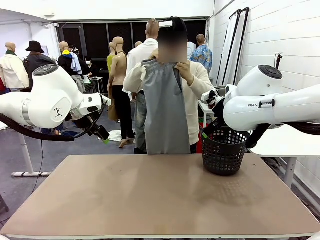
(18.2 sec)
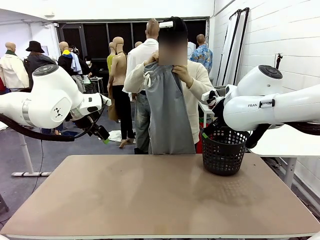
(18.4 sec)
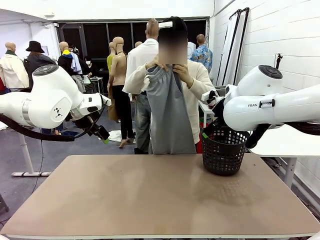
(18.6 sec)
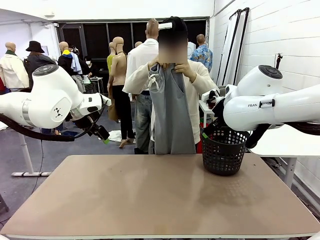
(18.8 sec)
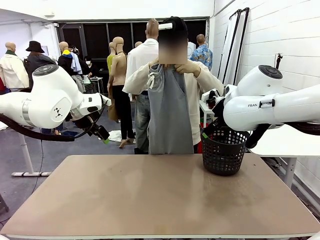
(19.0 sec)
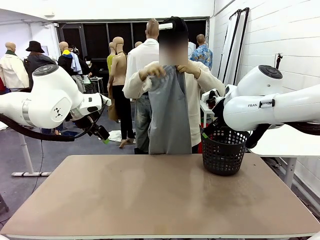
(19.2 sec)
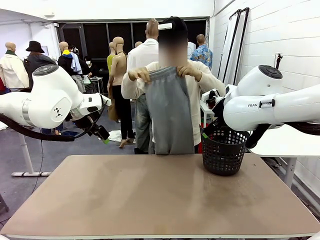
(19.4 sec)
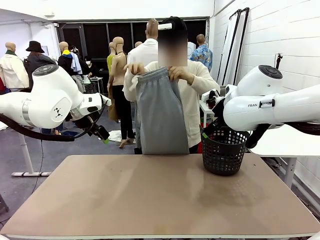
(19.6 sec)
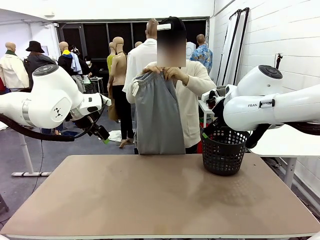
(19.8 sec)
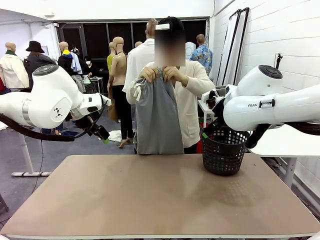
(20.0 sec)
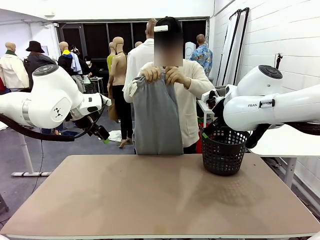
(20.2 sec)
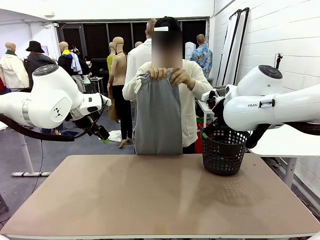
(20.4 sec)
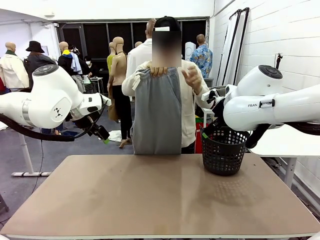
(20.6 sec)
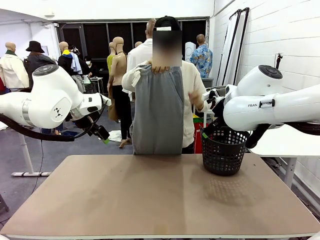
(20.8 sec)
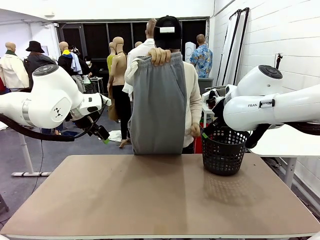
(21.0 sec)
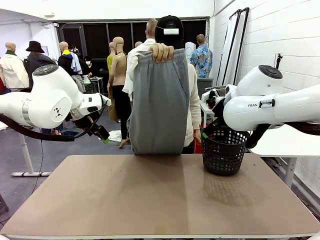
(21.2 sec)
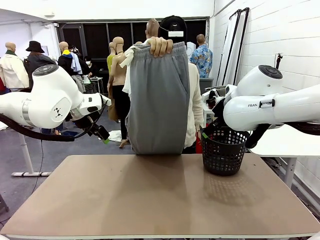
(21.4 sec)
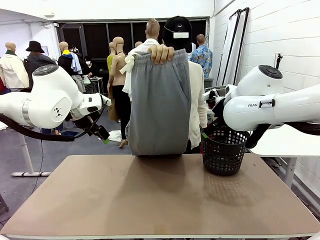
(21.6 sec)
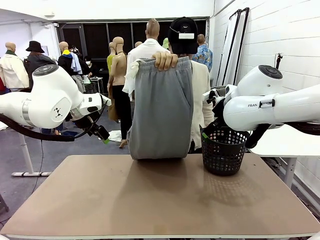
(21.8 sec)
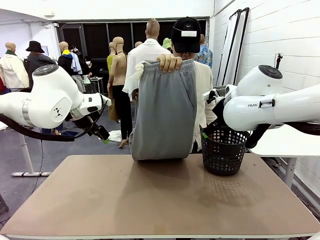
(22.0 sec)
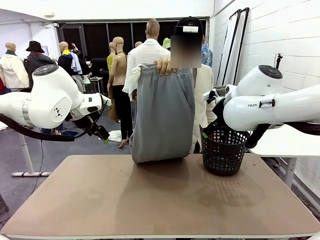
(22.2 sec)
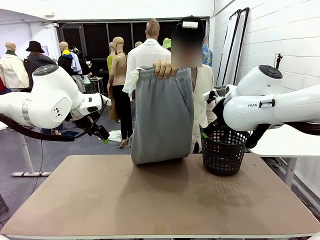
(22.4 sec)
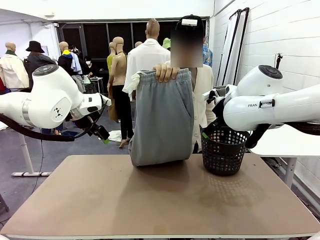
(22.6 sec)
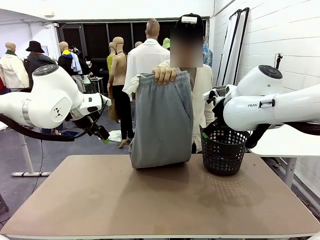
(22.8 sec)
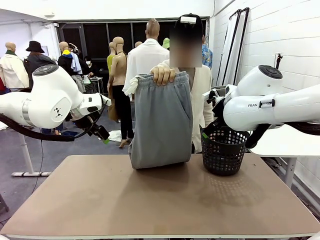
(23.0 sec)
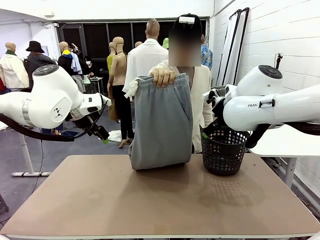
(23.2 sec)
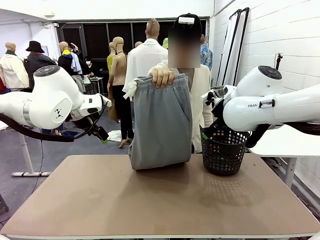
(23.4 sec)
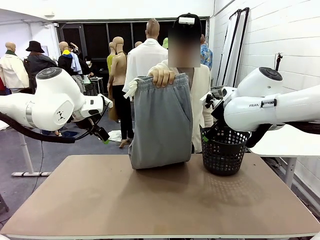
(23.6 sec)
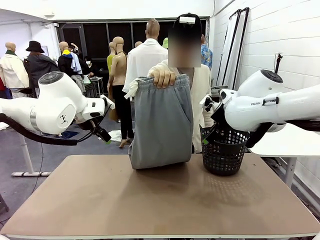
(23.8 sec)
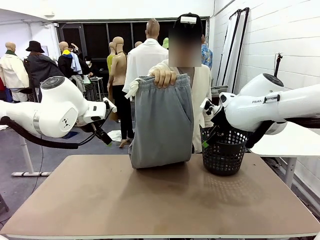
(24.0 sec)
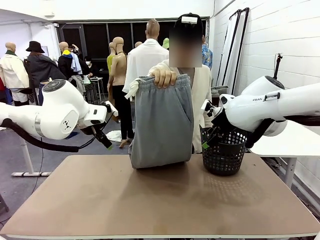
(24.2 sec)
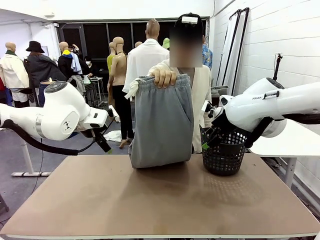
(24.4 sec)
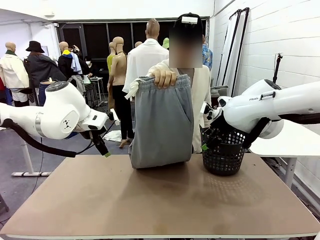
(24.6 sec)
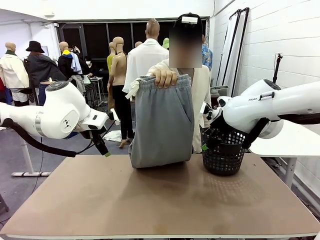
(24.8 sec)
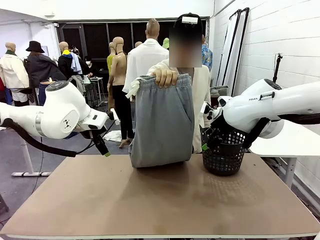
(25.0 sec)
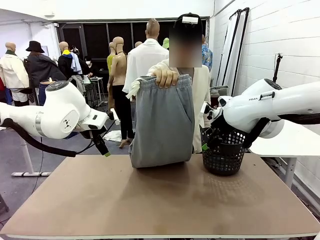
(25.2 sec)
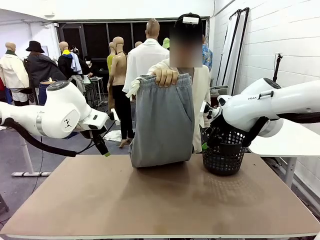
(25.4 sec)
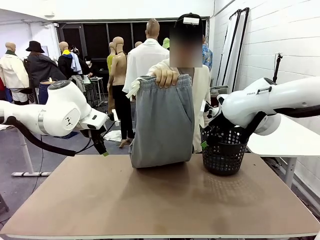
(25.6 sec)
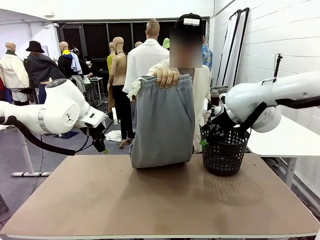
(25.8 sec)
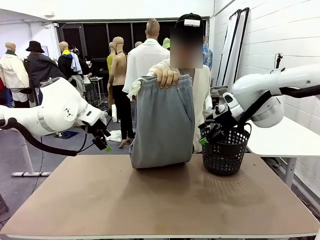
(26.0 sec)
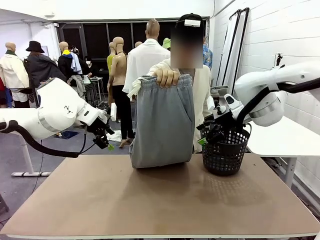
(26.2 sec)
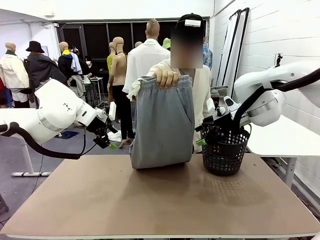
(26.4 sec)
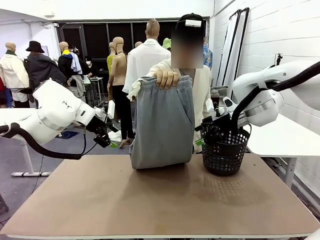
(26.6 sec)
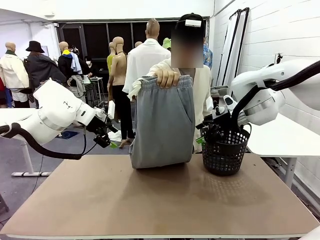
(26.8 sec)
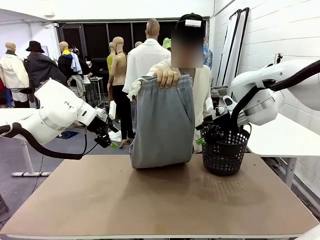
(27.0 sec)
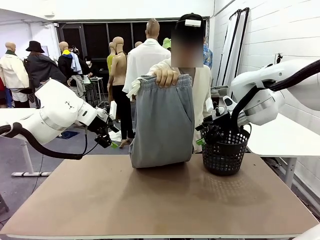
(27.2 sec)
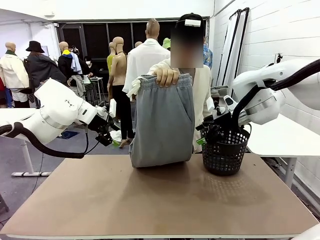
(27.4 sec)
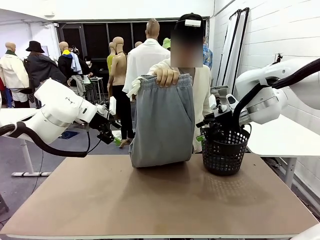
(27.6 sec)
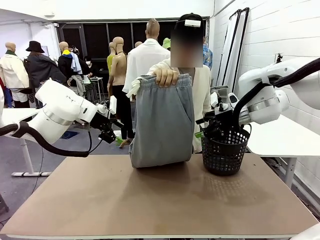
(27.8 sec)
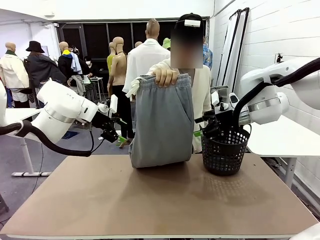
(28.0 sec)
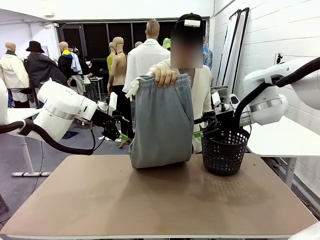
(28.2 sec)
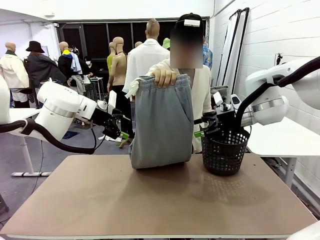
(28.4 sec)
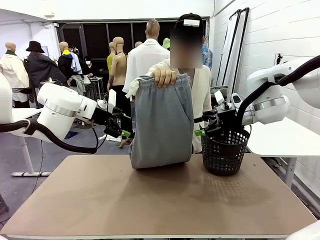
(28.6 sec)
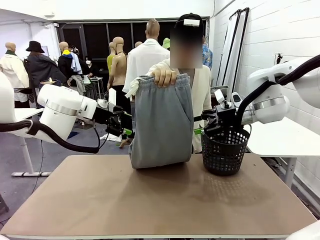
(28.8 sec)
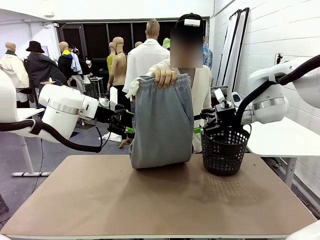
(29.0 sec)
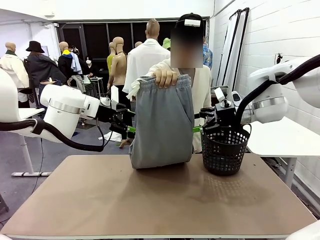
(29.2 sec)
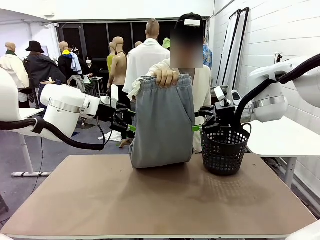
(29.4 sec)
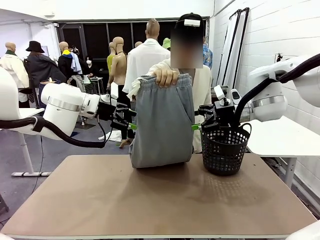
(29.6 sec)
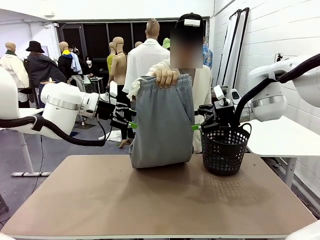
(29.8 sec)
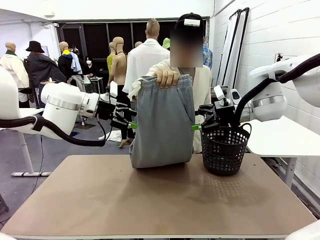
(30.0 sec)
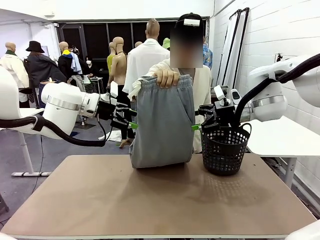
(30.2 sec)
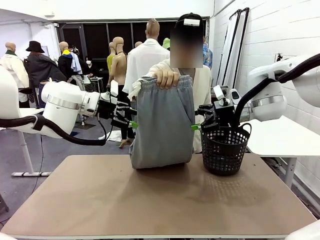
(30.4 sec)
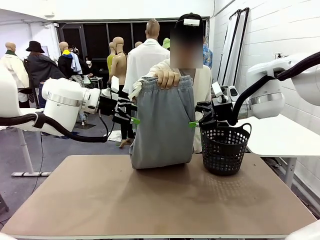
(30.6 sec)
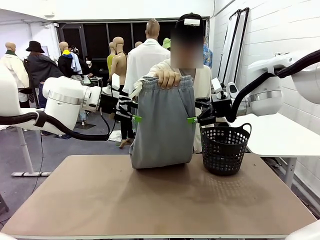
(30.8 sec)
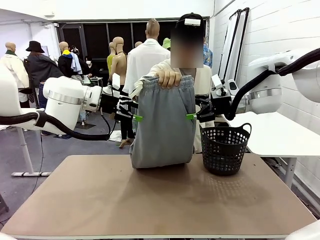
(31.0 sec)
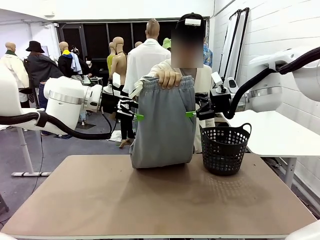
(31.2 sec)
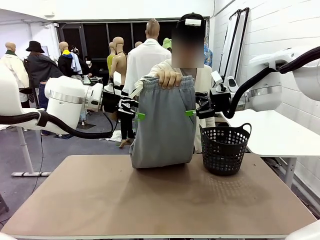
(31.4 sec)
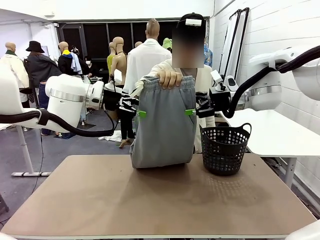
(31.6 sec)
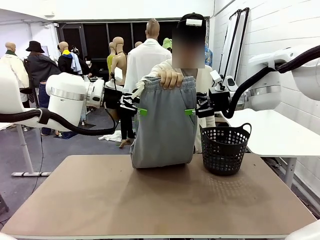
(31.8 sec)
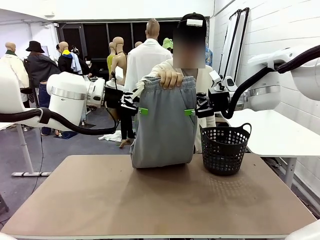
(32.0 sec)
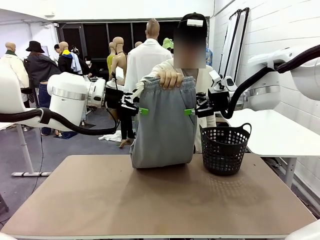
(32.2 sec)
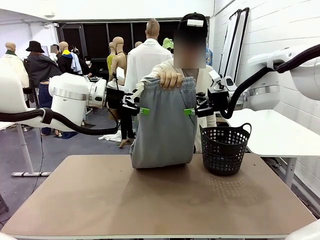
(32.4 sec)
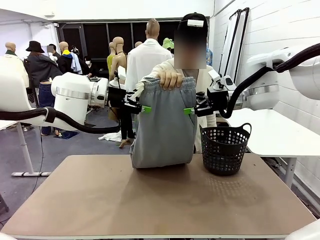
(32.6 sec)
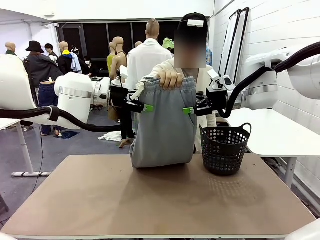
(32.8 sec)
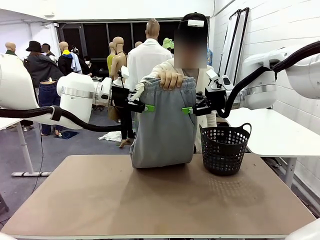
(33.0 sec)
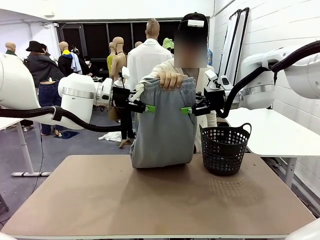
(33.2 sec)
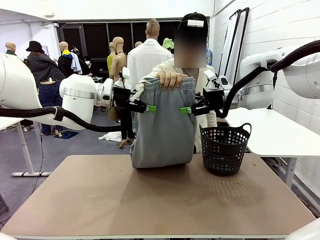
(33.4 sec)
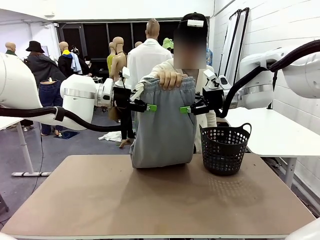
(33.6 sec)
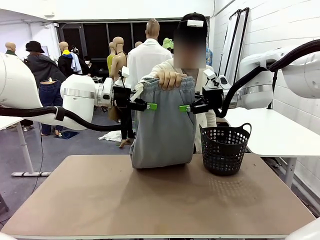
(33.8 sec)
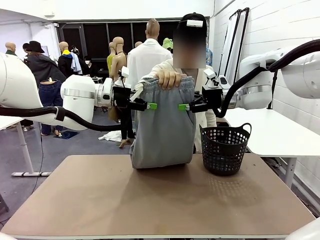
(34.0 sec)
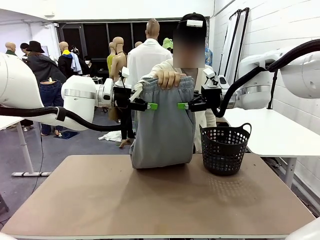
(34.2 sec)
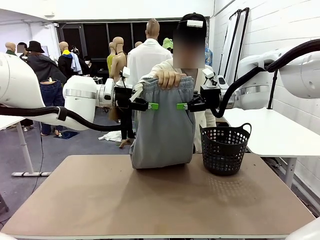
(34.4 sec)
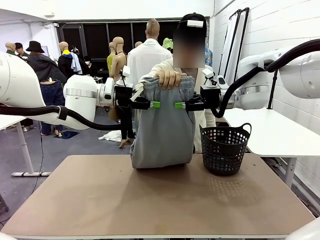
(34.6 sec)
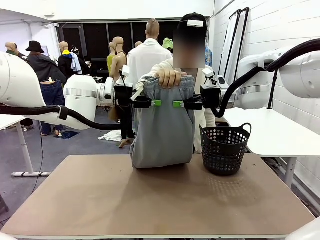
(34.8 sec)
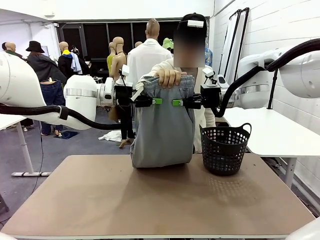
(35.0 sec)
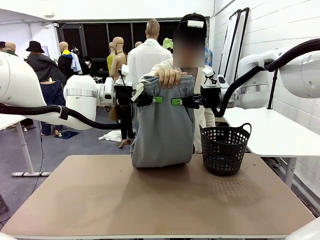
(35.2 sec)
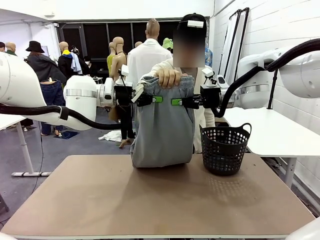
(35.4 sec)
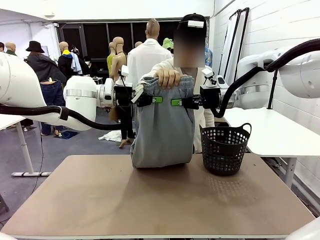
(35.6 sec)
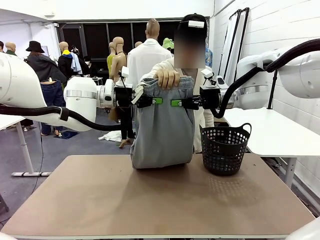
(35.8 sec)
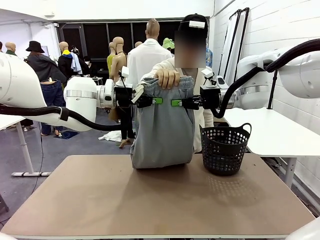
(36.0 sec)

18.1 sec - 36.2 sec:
Task: Fold the training pants.
Robot: Grab both ends of the Training pants handed by a person.
